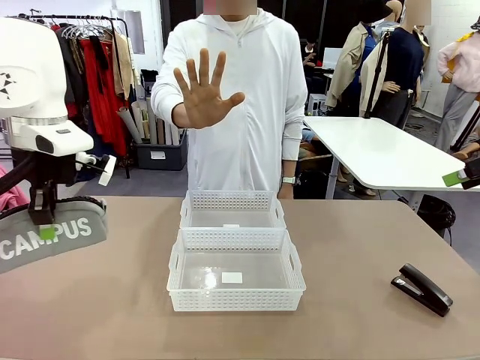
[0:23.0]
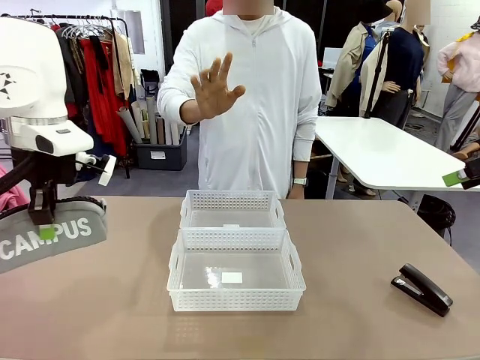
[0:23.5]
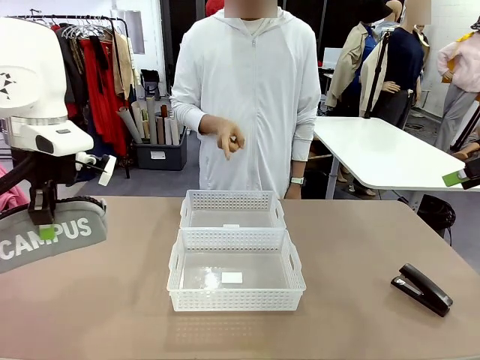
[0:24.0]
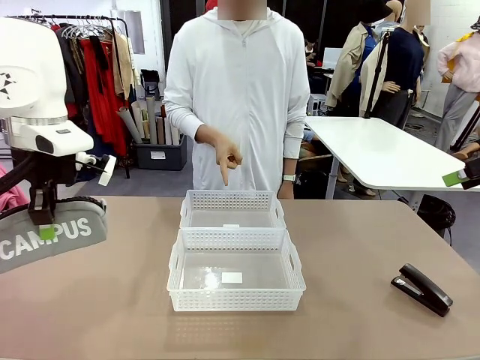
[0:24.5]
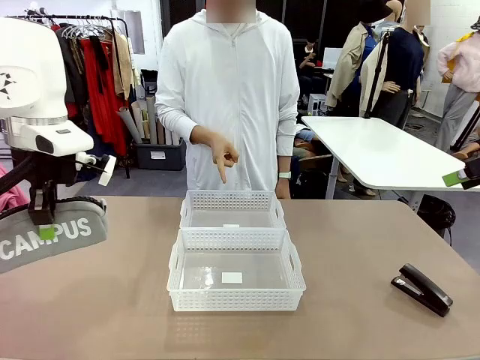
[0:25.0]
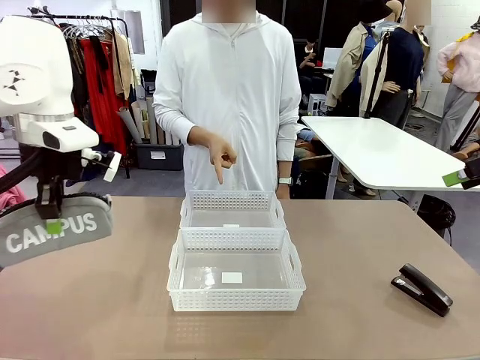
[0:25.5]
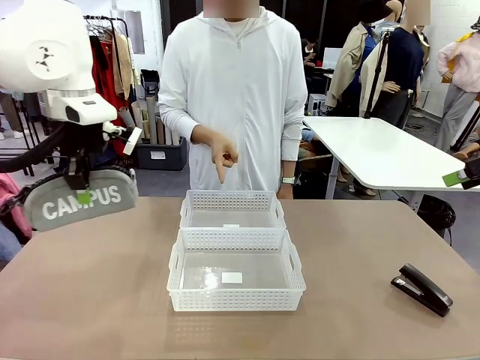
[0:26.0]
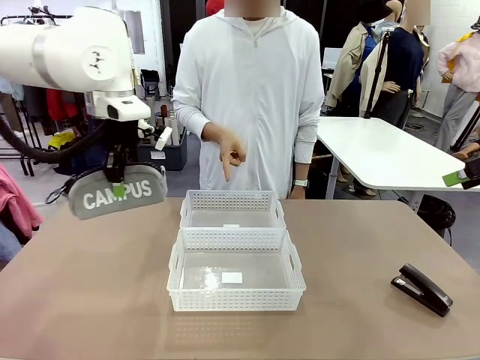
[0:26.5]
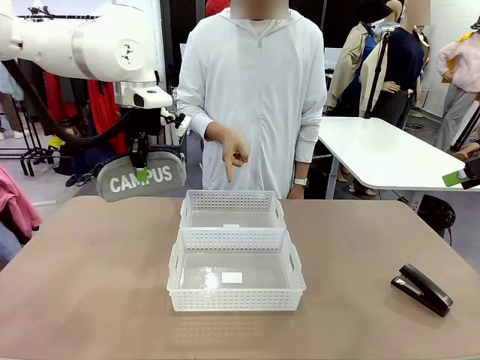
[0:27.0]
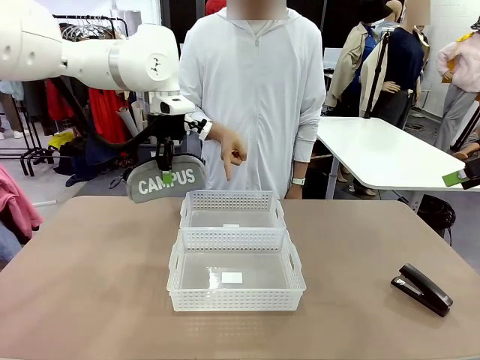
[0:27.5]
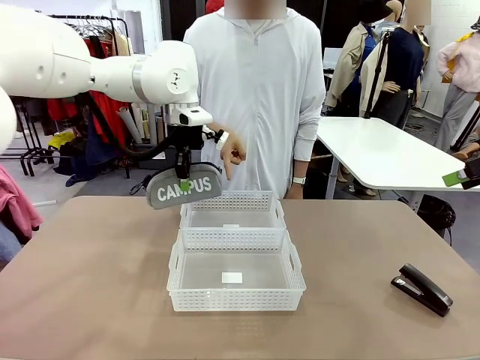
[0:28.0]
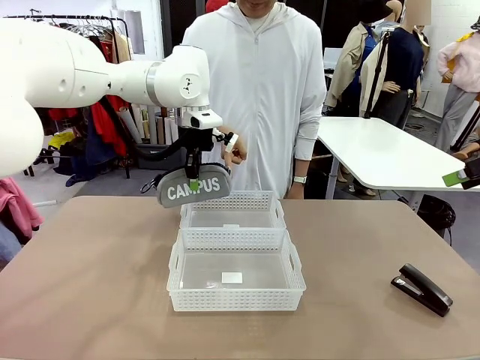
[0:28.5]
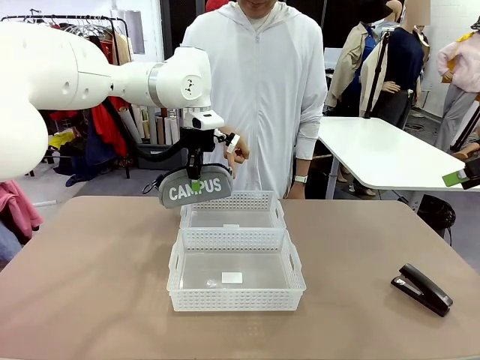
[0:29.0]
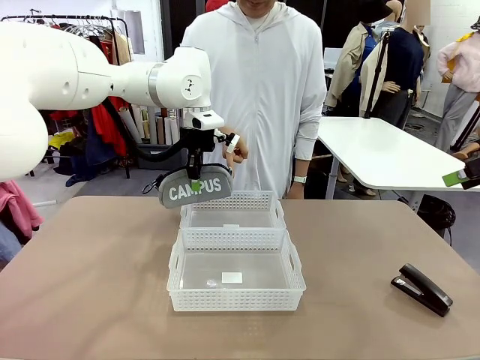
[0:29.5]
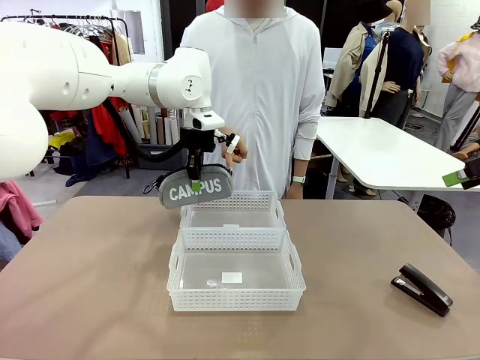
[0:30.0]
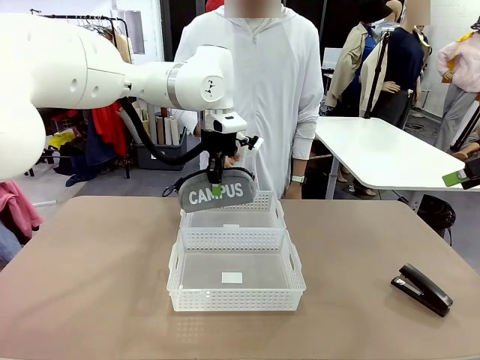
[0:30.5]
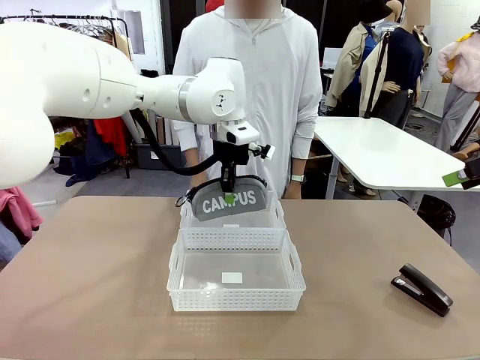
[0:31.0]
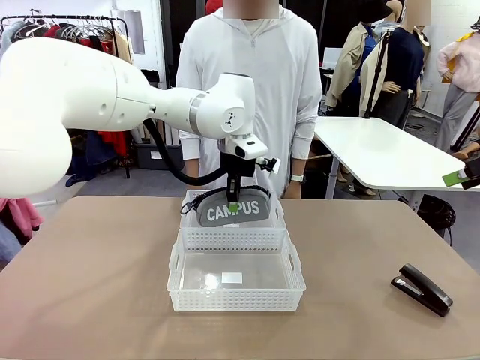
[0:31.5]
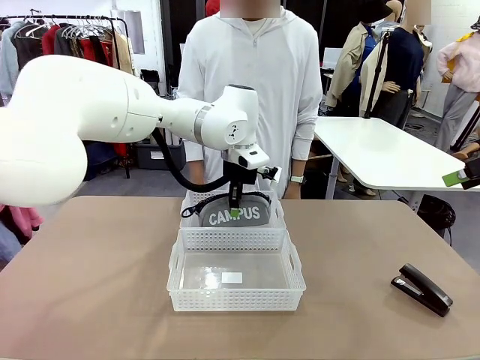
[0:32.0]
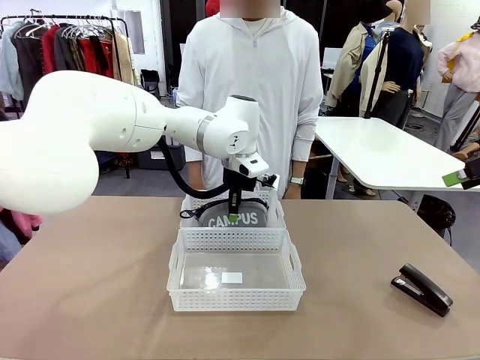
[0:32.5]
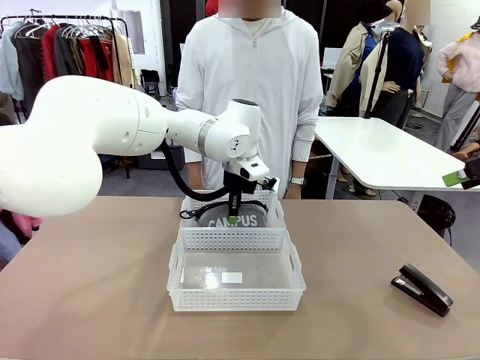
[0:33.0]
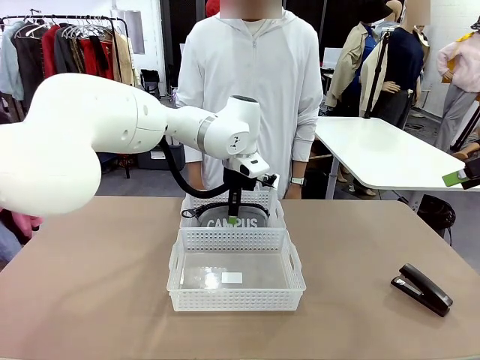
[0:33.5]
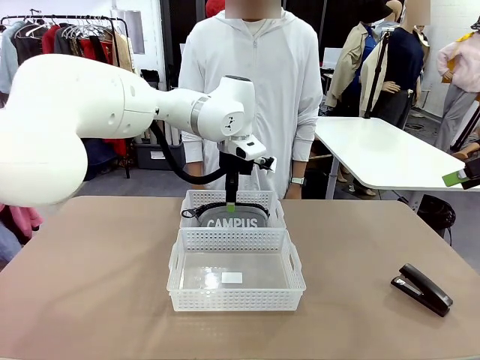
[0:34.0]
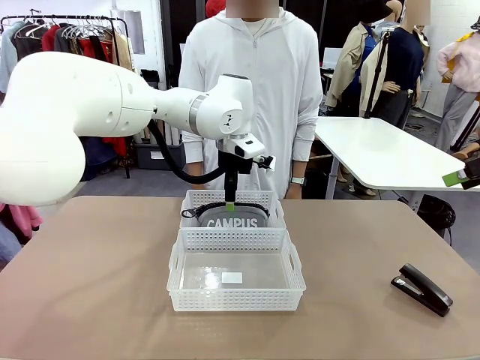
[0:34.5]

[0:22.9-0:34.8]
Task: Distribute items into two baskets.
Robot: Place the picked Pencil pouch into the Organizing basket as instructed by the person.
Person: Instructs the robot to place the pencil case into the opposite basket. Points to the stapler.

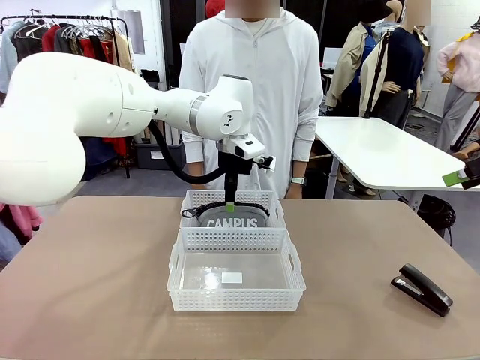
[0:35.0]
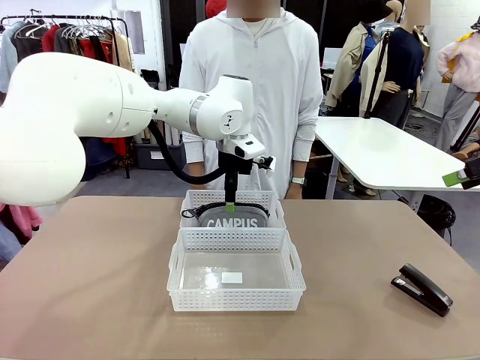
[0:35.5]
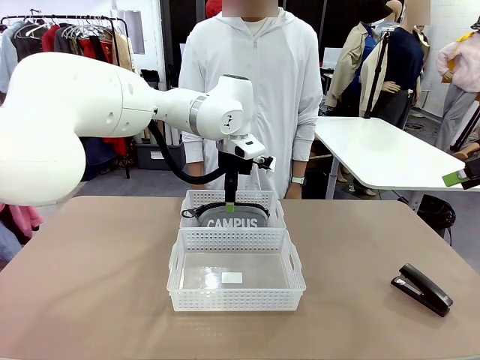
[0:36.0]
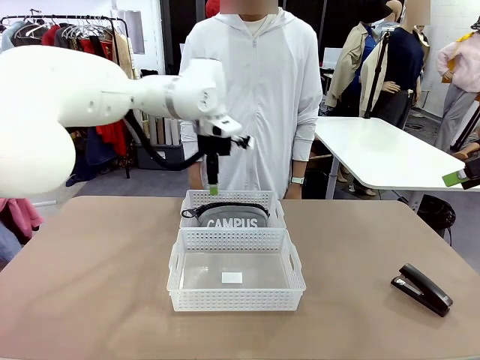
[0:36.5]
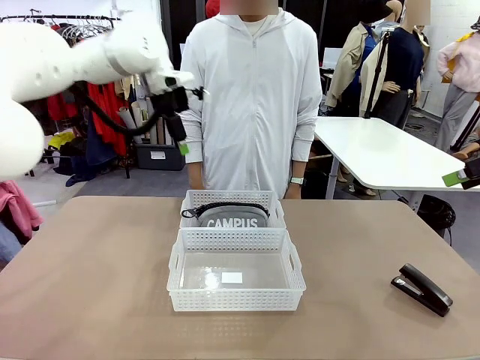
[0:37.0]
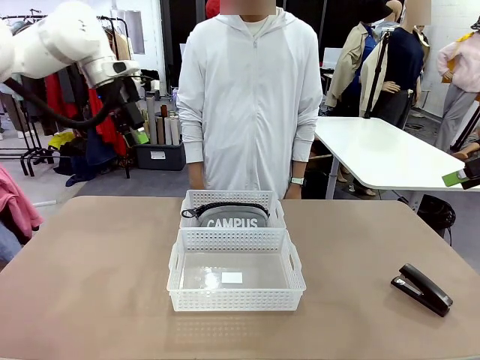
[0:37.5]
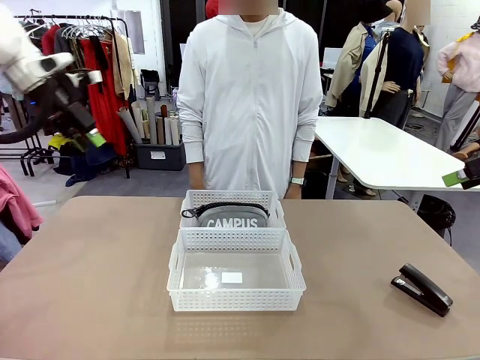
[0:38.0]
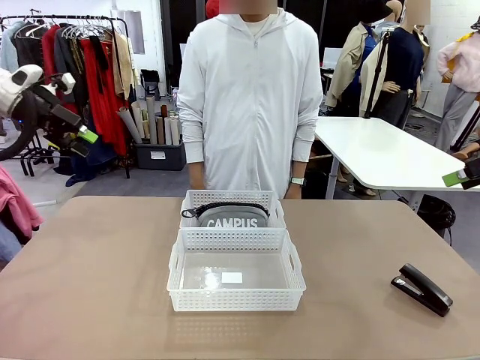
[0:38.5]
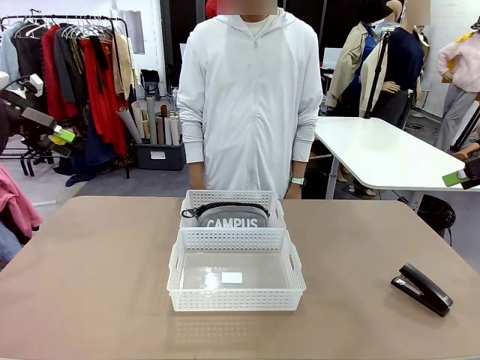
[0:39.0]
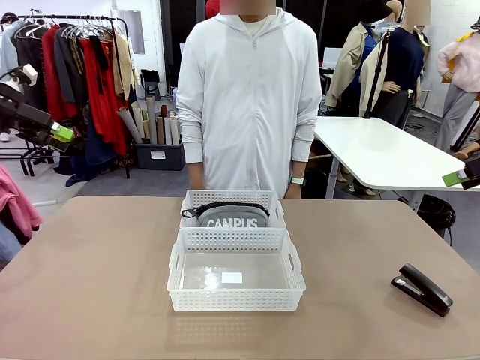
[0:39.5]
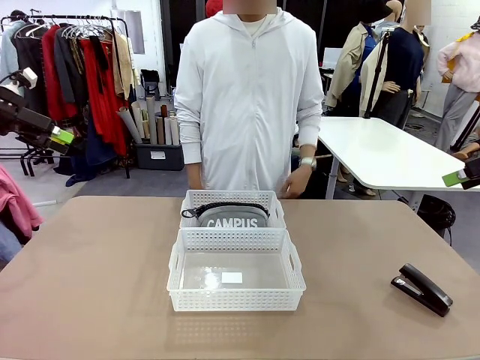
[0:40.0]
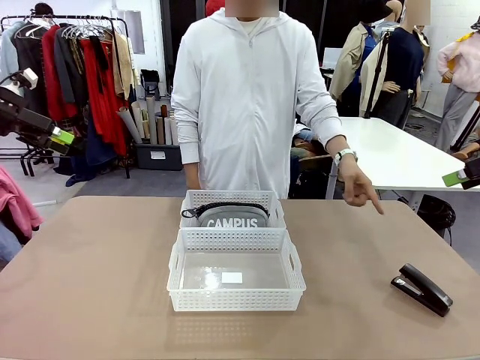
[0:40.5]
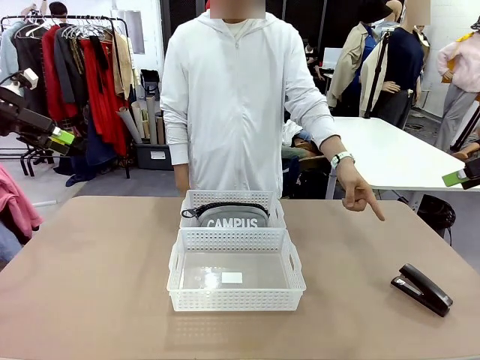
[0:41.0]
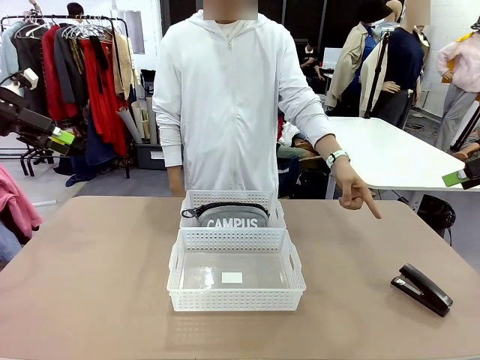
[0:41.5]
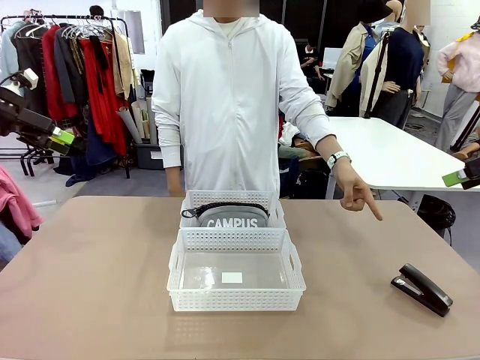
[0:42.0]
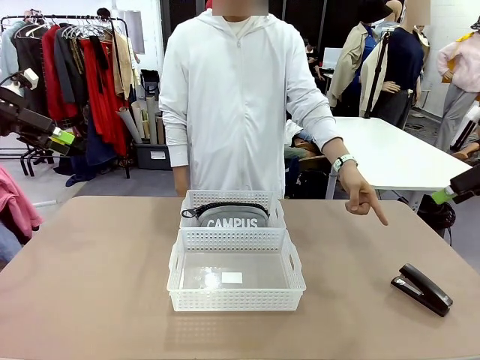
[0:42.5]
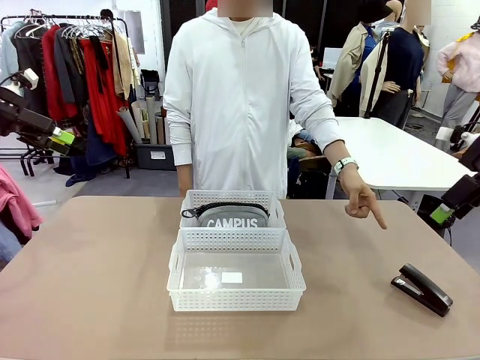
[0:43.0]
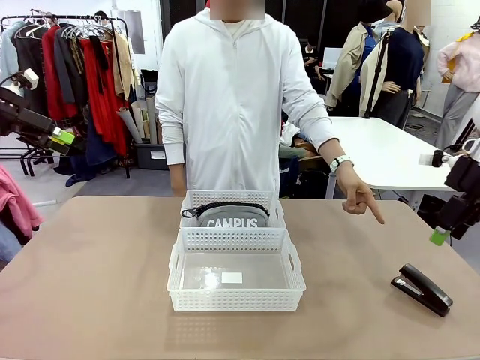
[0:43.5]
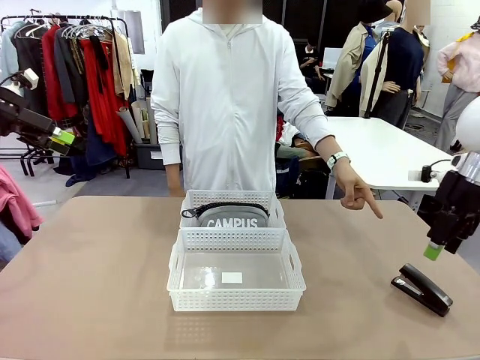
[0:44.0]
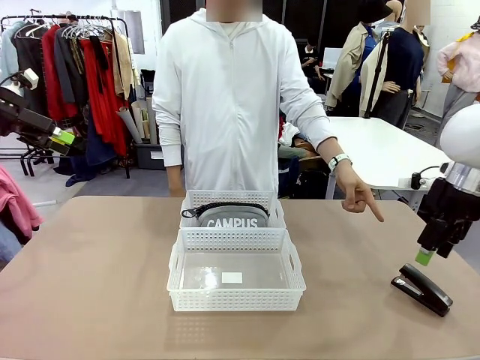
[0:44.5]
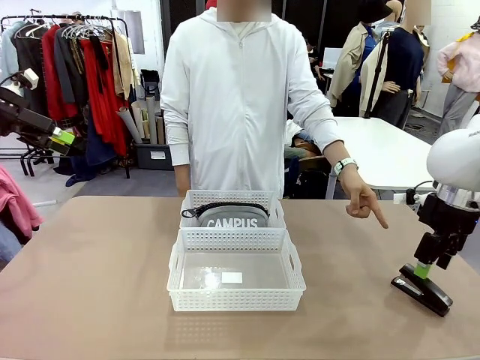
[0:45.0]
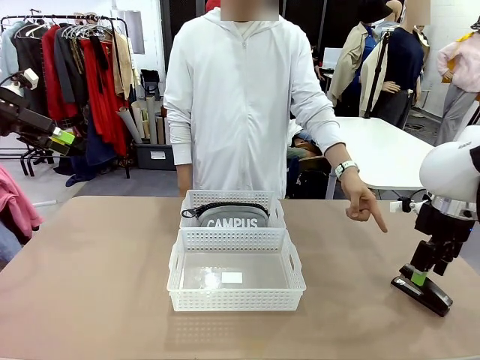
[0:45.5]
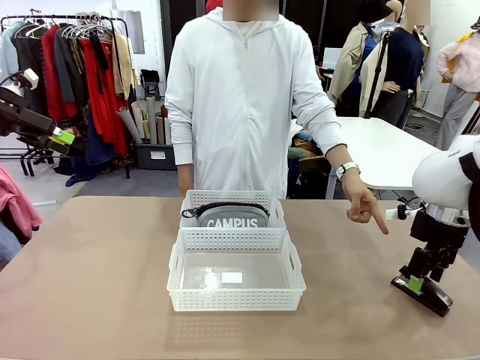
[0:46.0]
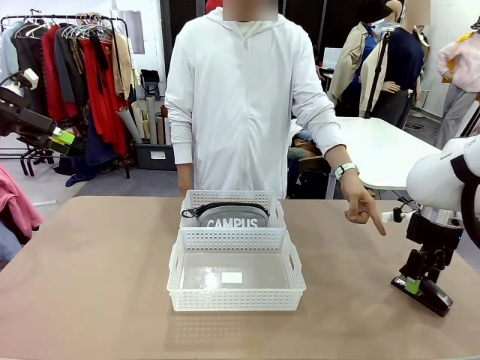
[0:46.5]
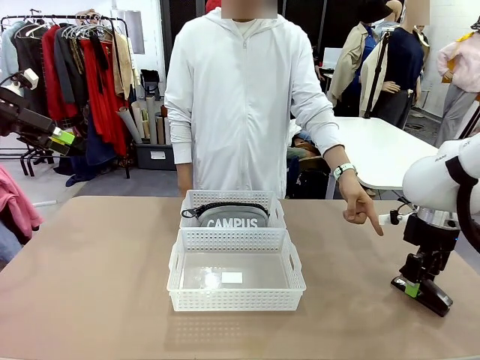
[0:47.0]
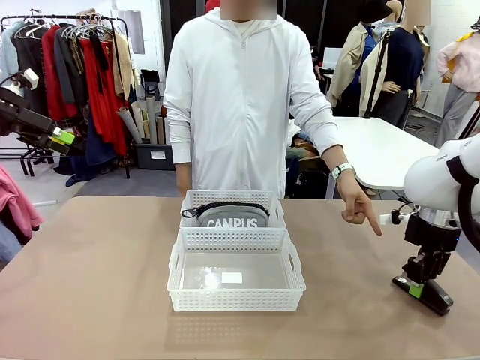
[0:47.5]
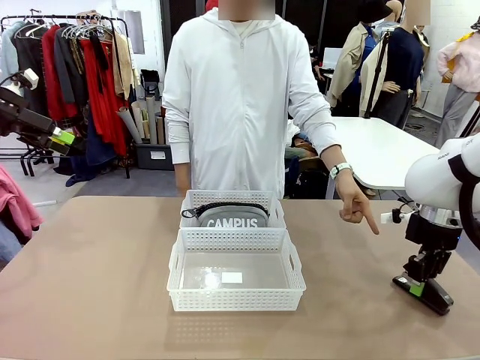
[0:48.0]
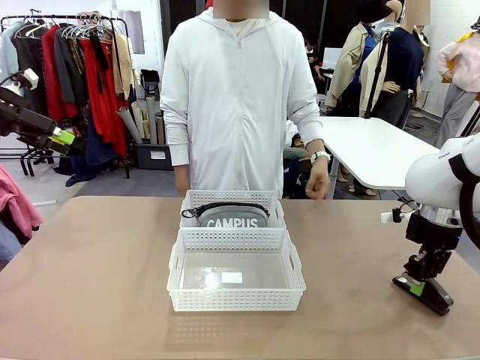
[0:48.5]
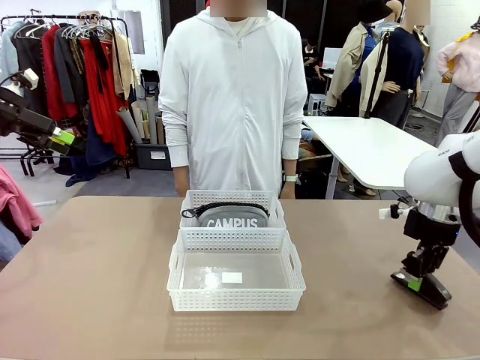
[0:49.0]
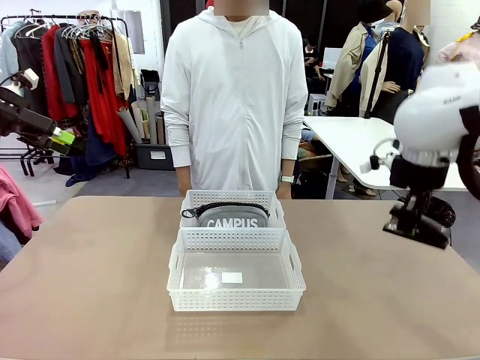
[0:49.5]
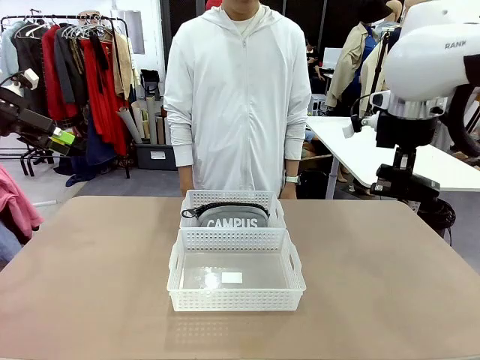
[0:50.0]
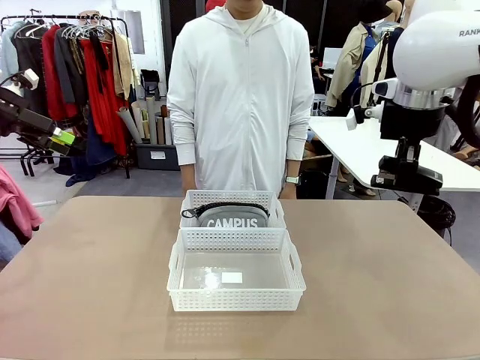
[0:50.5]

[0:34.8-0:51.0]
Robot: Pick up the Stapler that the person points to.
